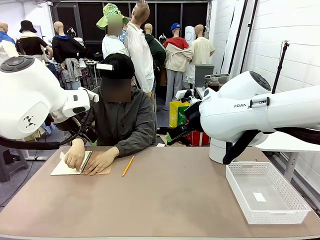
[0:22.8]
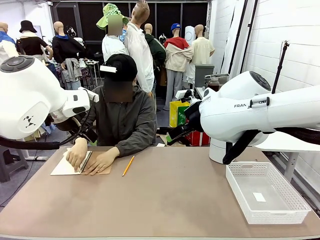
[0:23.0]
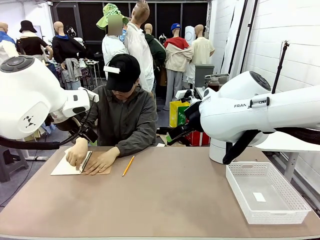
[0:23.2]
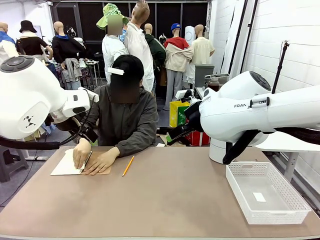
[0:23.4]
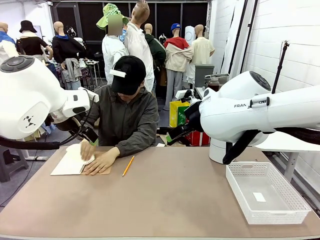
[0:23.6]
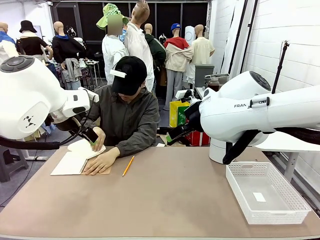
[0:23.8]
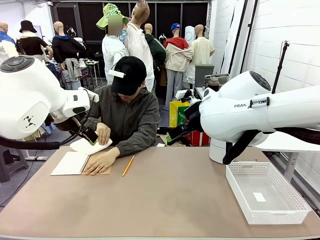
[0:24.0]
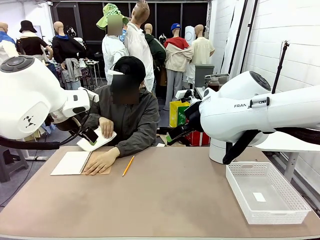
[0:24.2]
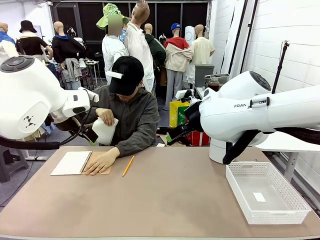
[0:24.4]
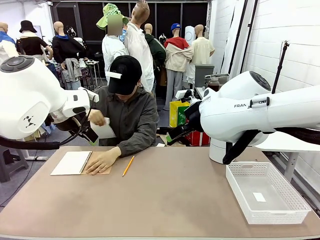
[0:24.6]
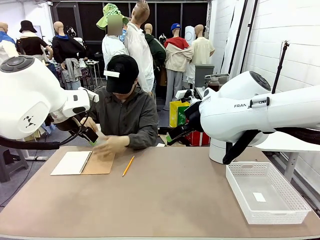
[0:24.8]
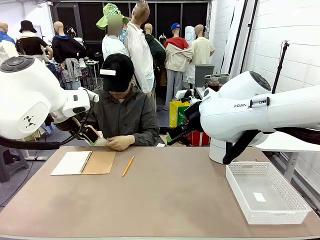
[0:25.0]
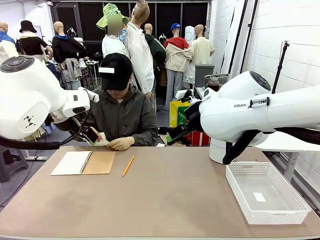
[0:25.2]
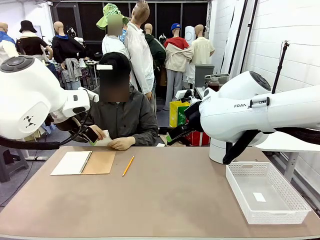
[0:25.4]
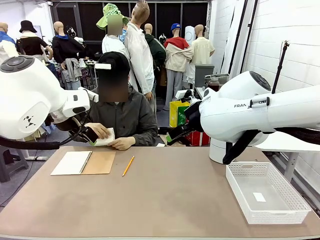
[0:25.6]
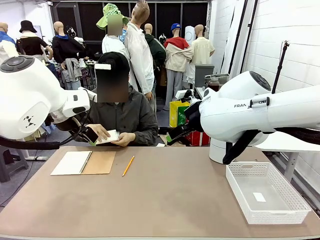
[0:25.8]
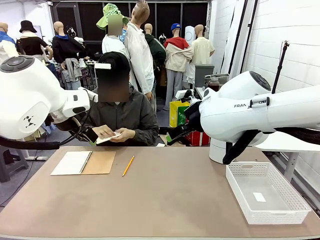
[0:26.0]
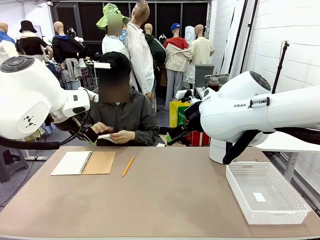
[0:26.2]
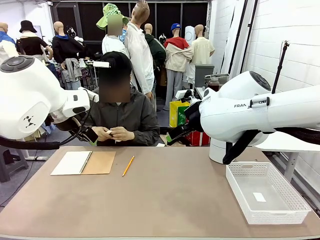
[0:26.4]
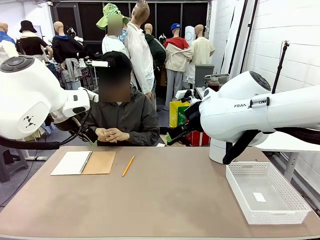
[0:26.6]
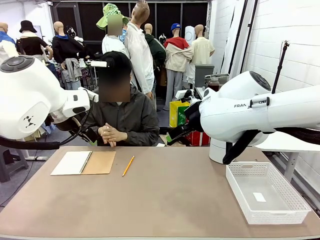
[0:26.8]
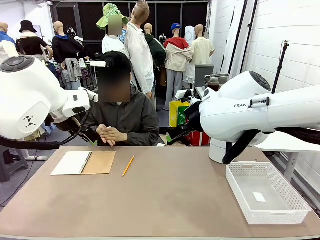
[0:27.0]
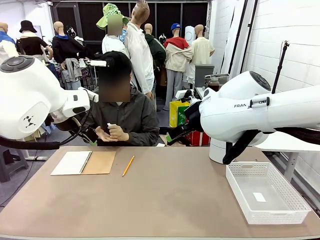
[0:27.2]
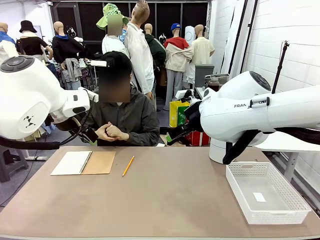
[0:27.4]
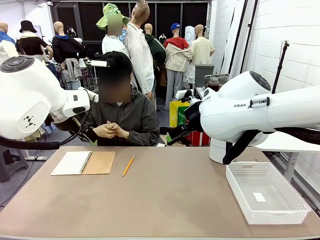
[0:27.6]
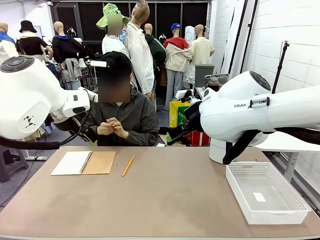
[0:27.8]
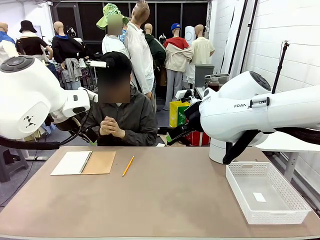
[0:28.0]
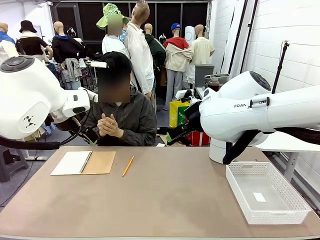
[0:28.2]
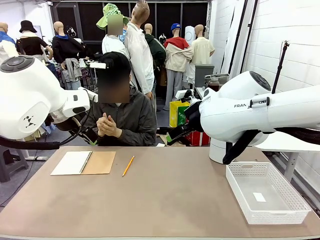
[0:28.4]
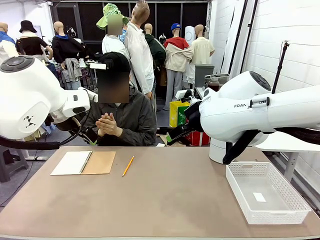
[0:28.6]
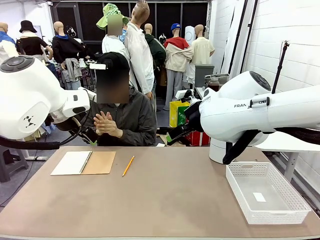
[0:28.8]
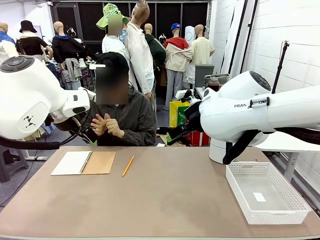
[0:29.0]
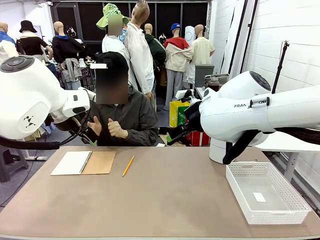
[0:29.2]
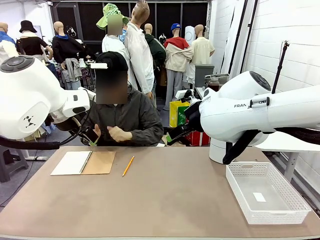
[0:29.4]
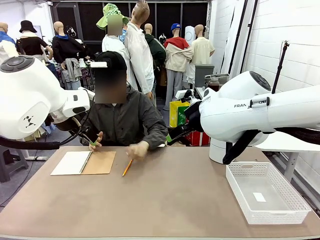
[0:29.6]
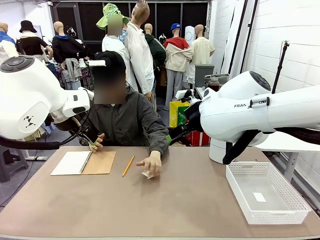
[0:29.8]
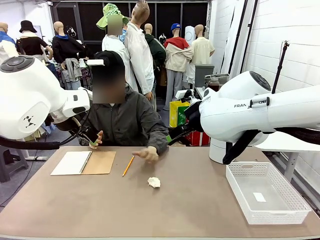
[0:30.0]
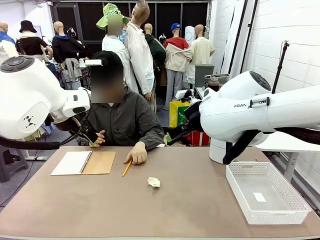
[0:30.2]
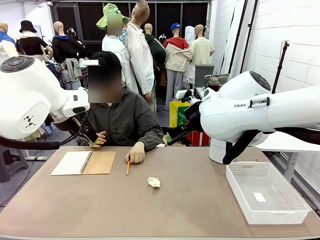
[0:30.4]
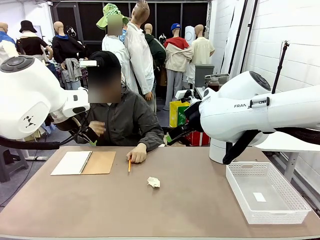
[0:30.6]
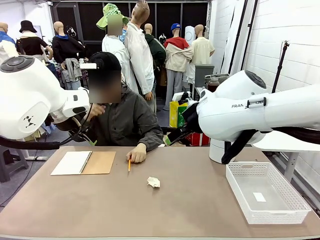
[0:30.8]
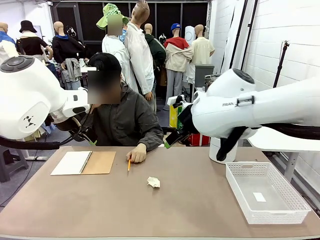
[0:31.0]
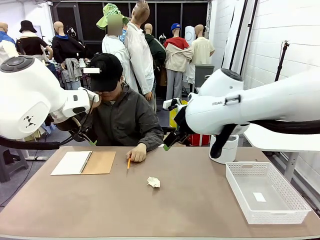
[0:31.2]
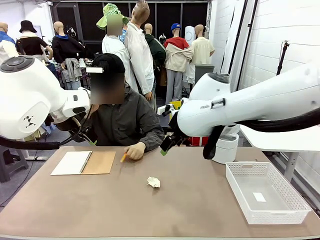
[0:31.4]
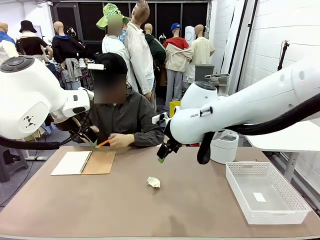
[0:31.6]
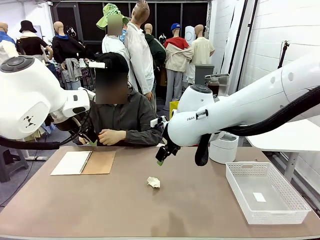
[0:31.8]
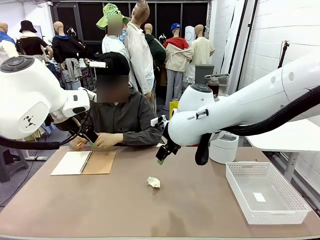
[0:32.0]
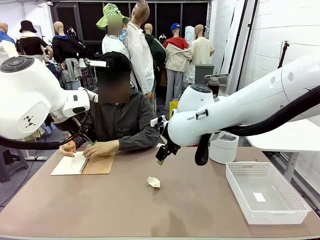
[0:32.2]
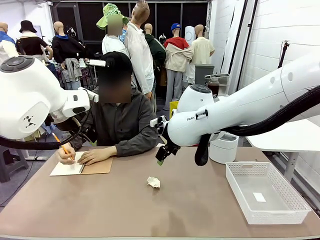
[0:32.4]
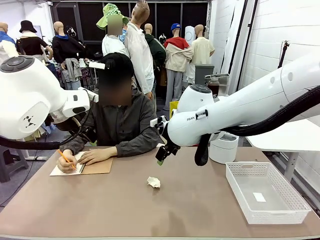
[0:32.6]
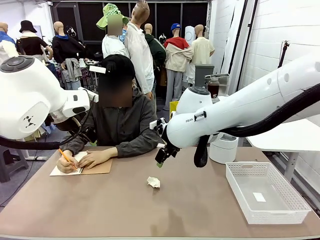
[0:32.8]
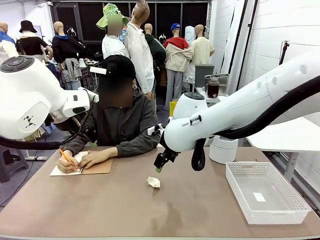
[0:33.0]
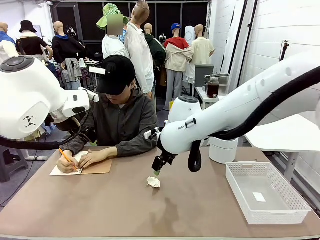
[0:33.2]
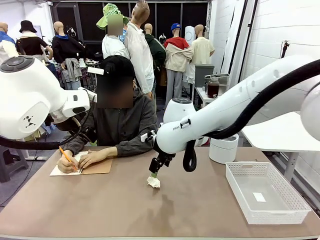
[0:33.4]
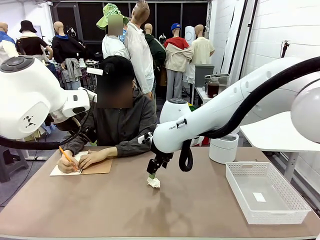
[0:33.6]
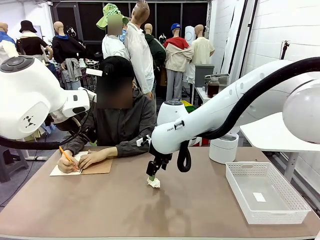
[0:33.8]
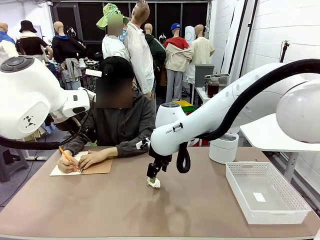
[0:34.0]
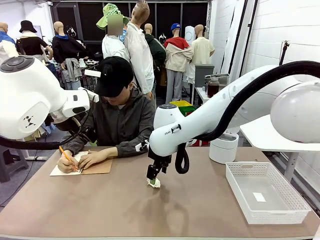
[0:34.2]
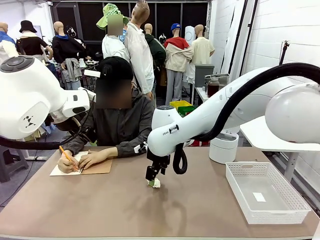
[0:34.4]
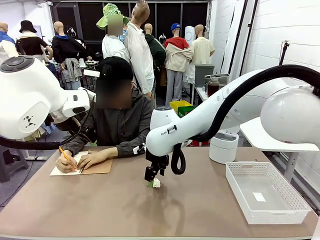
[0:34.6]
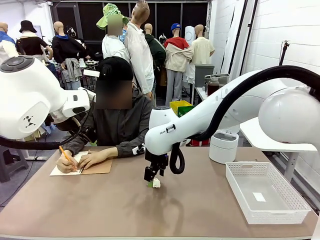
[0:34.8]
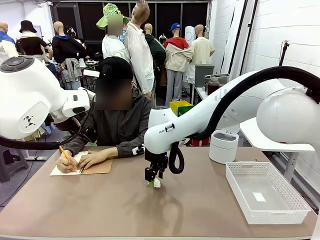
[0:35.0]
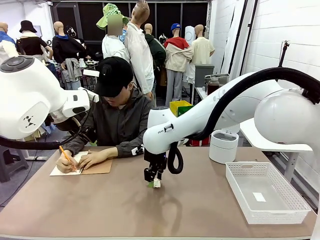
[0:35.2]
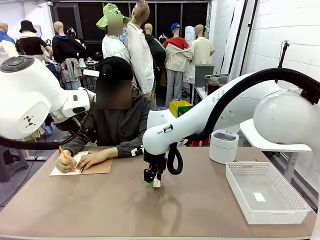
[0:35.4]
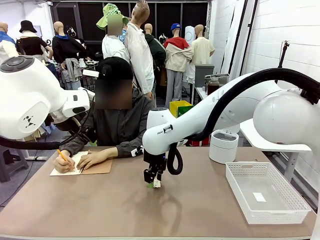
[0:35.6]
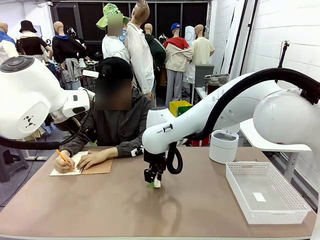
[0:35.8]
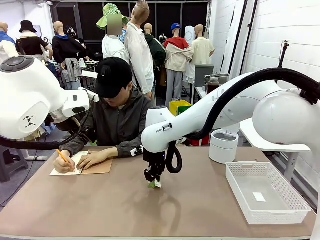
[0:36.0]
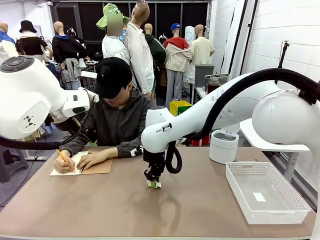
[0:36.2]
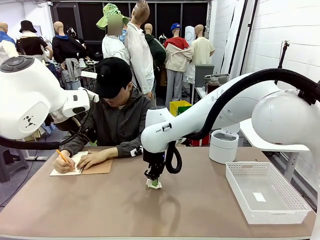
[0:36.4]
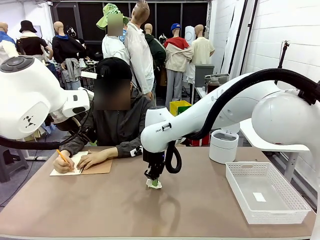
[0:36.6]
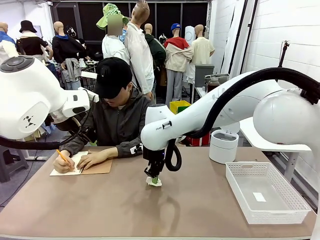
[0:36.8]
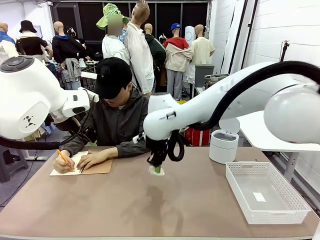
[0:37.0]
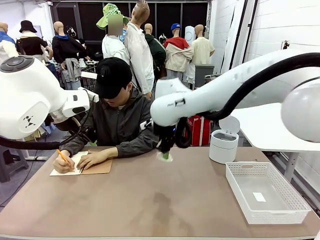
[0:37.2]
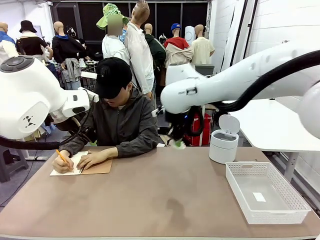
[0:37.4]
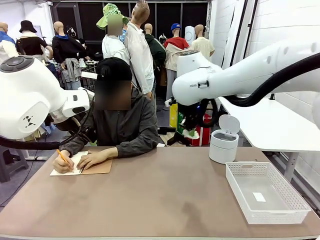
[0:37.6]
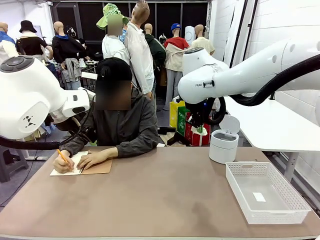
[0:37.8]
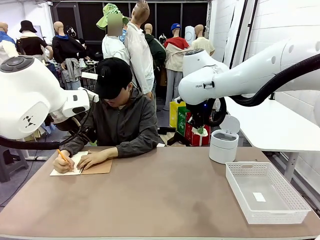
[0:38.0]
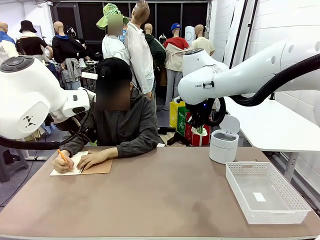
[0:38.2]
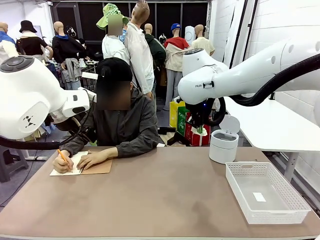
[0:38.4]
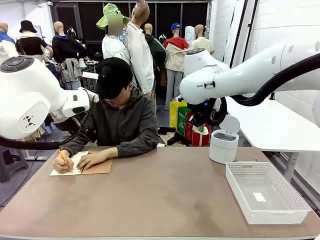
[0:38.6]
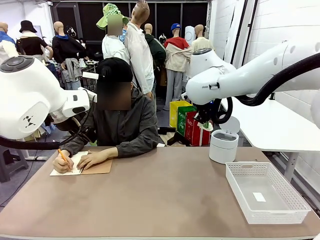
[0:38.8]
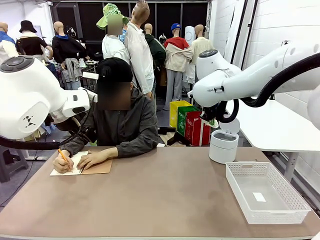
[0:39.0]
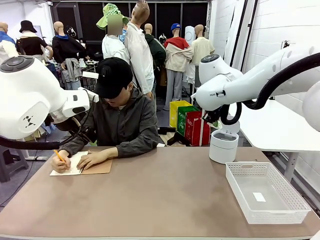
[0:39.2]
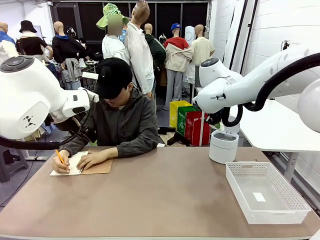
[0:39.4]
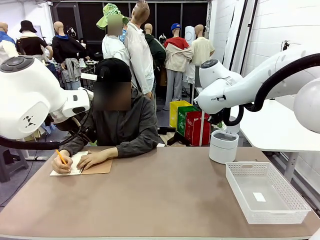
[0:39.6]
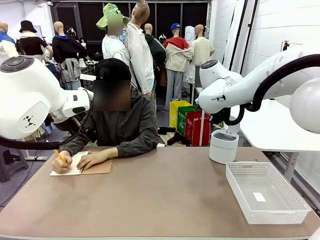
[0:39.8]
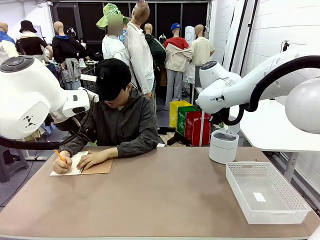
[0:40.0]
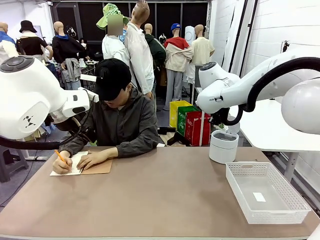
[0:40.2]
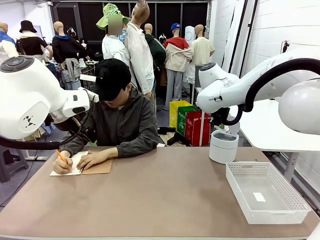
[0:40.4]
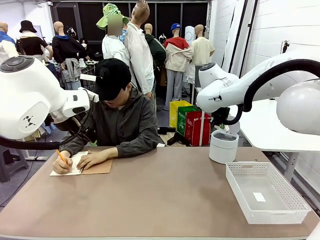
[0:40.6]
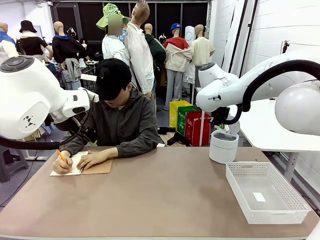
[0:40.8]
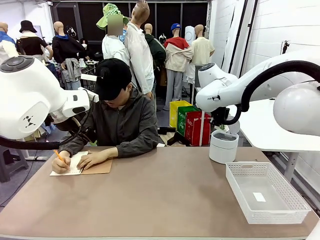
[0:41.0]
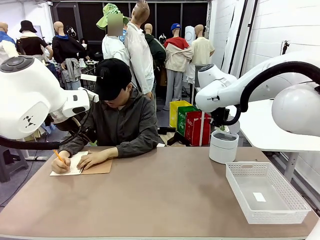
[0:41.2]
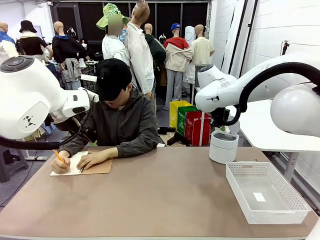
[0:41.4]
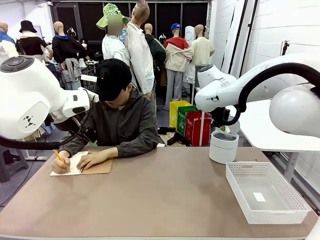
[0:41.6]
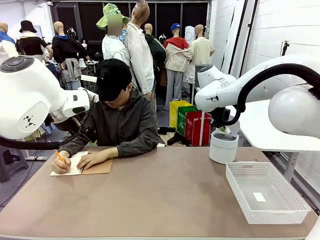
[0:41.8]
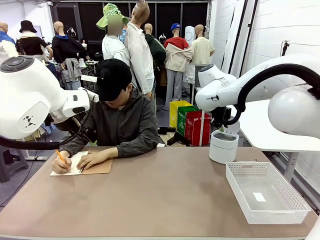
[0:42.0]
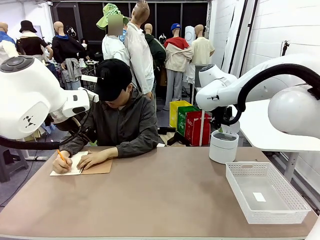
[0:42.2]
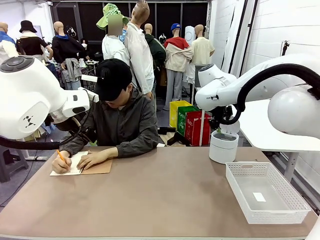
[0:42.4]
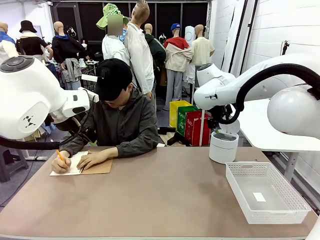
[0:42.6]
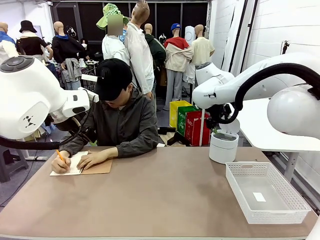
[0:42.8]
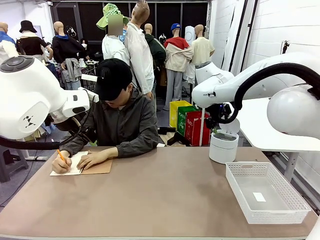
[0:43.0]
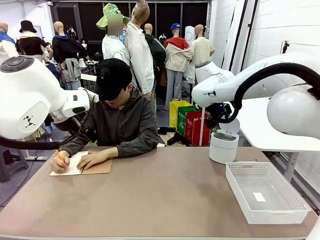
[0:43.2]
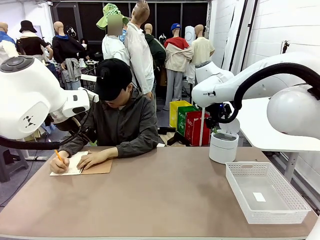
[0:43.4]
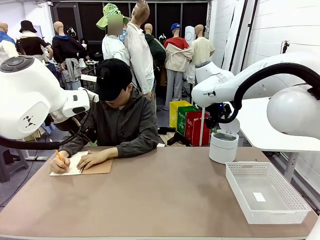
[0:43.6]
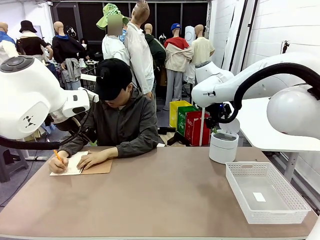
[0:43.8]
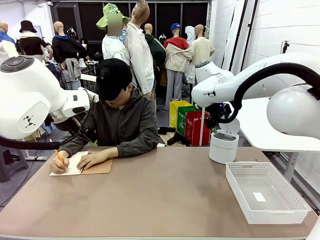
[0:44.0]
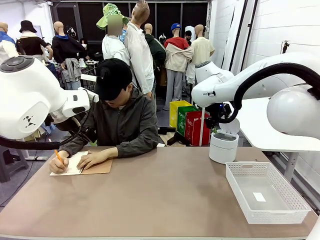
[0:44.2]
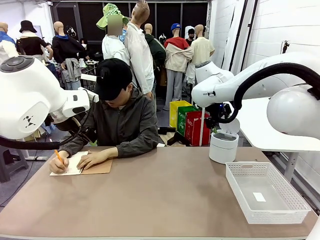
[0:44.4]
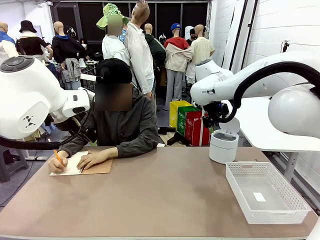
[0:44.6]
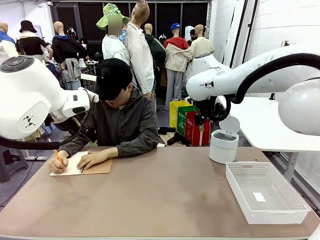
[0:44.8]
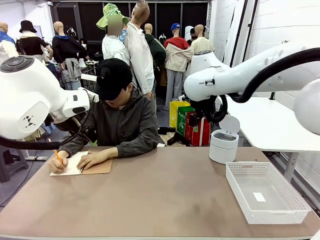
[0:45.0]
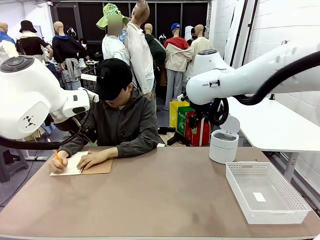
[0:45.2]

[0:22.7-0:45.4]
Task: Sort the paper based on its condition.
Robot: If a person hands you a paper, place it in the Organizing basket , and if it's crumpled, put it in the Trash can.
Person: Hand the torn page to the robot or crumple it and throw it to the center of the table. Tear out a page from the spiral notebook.
